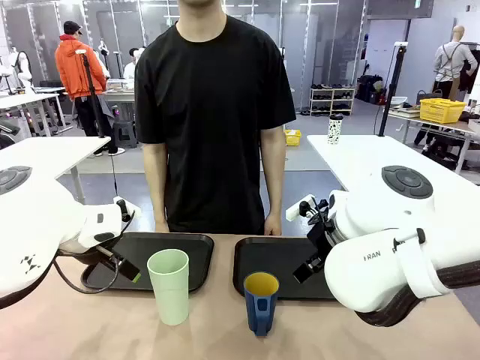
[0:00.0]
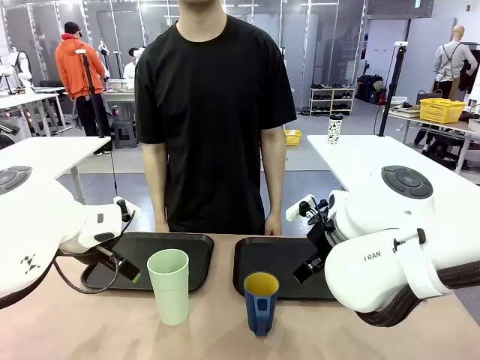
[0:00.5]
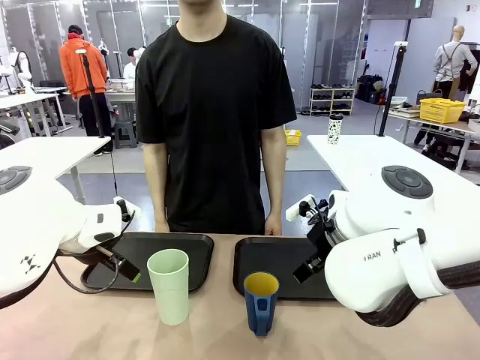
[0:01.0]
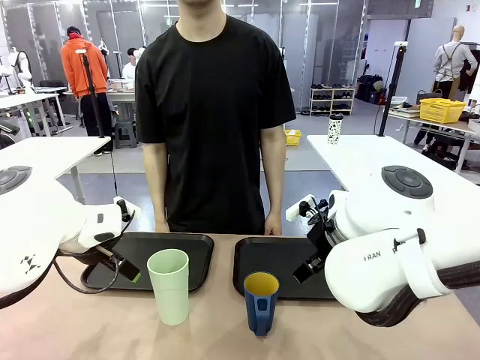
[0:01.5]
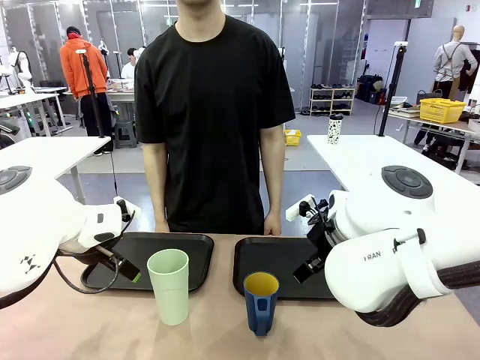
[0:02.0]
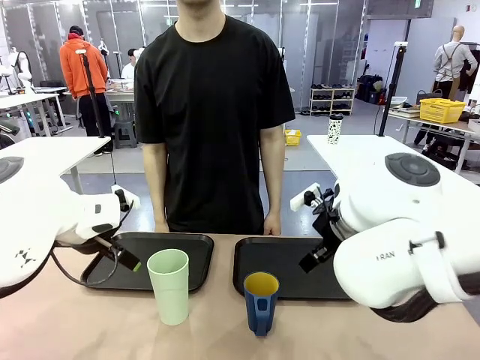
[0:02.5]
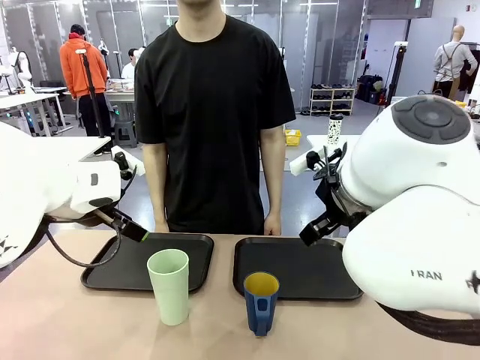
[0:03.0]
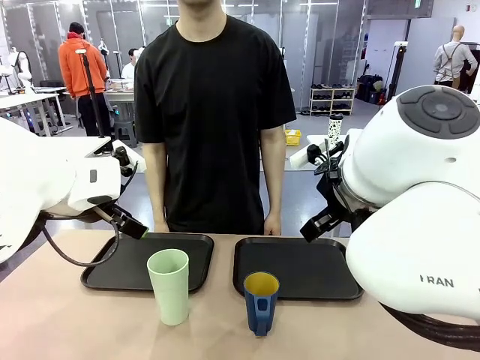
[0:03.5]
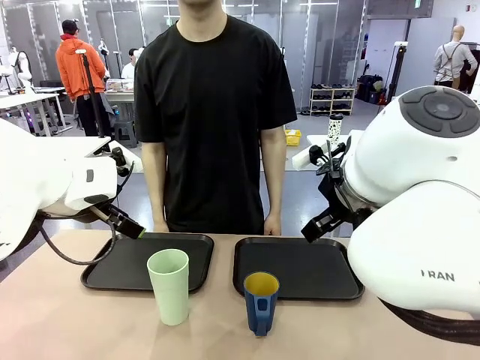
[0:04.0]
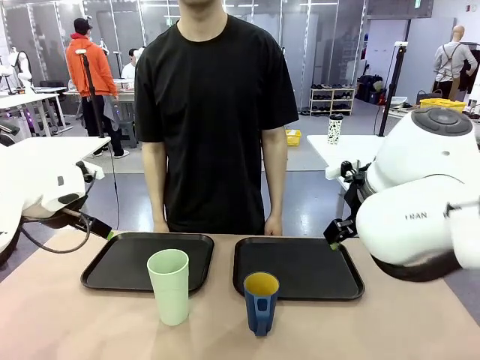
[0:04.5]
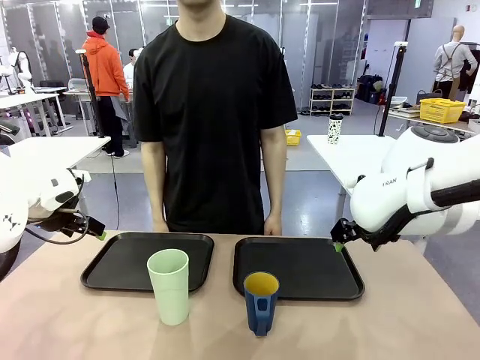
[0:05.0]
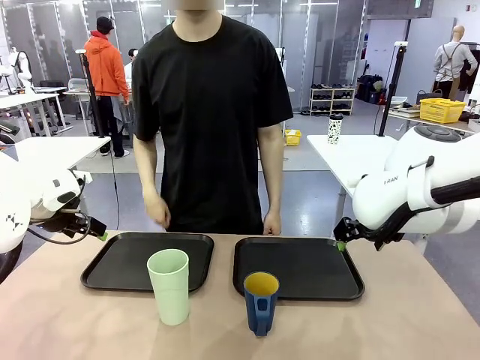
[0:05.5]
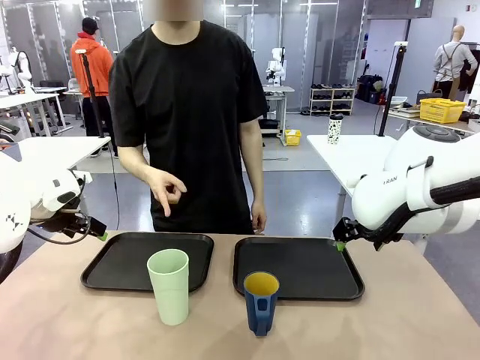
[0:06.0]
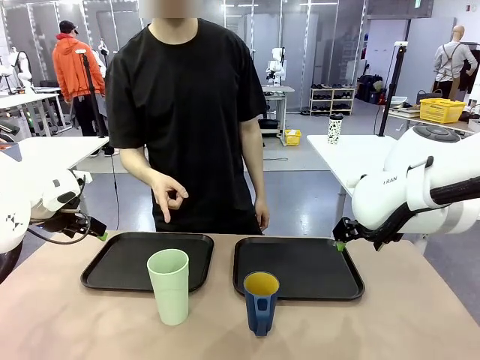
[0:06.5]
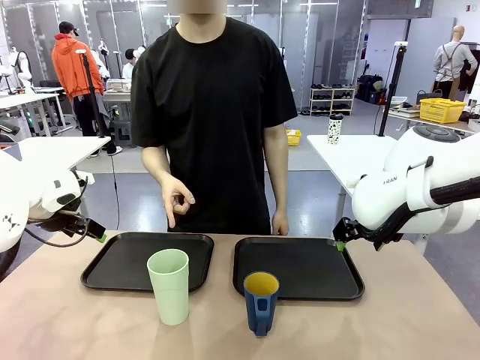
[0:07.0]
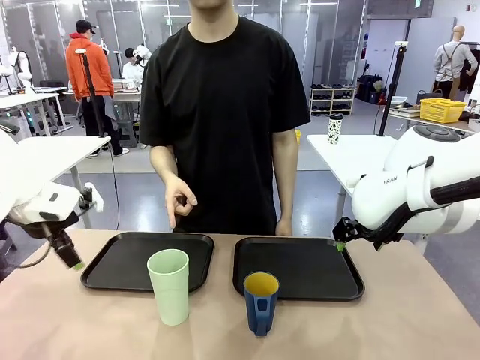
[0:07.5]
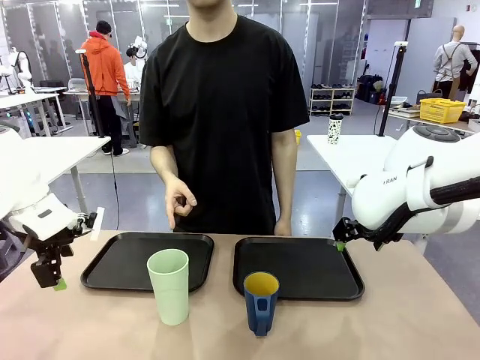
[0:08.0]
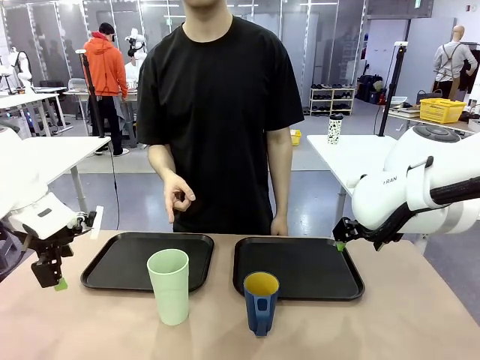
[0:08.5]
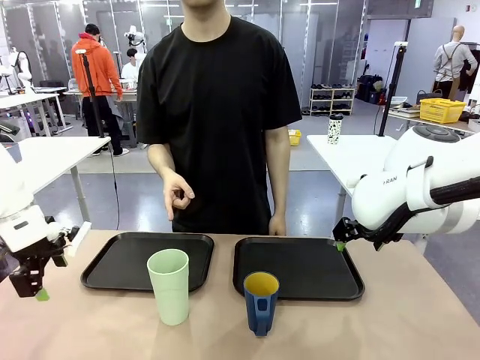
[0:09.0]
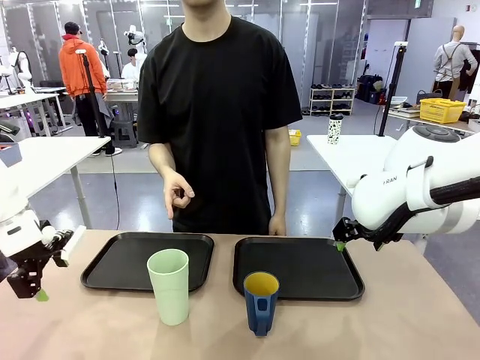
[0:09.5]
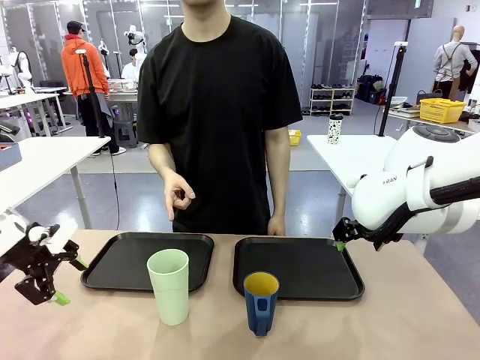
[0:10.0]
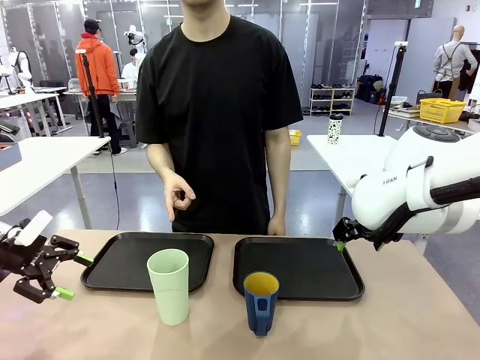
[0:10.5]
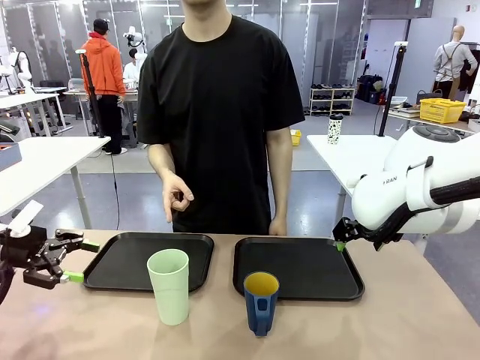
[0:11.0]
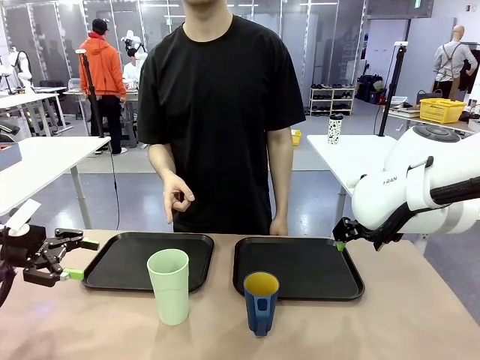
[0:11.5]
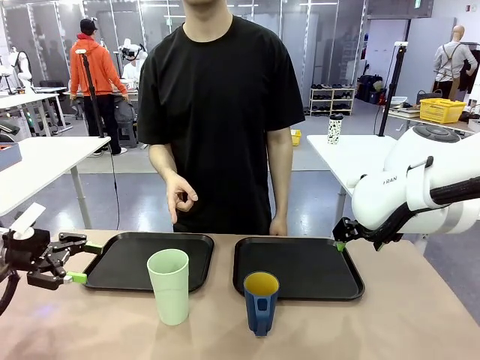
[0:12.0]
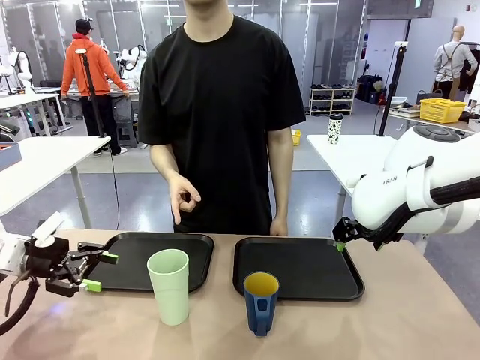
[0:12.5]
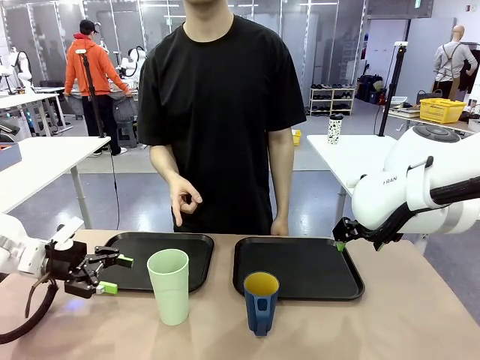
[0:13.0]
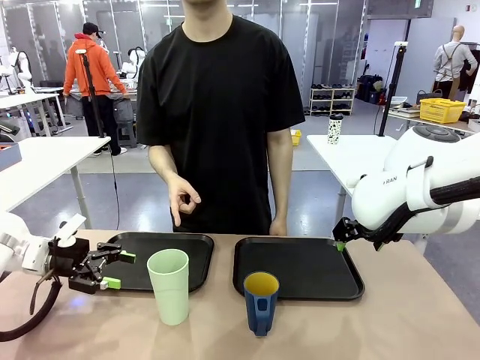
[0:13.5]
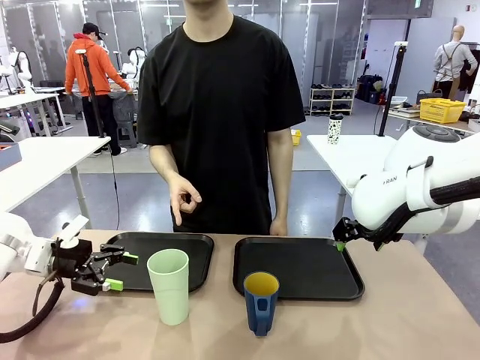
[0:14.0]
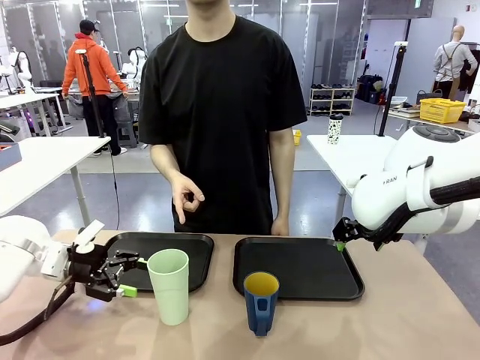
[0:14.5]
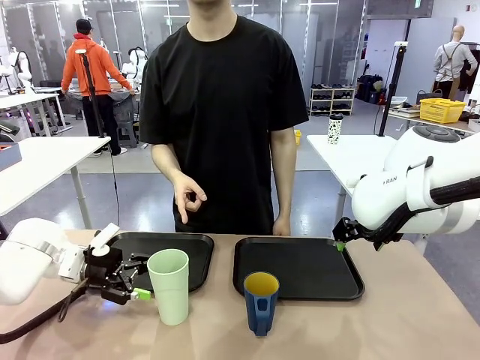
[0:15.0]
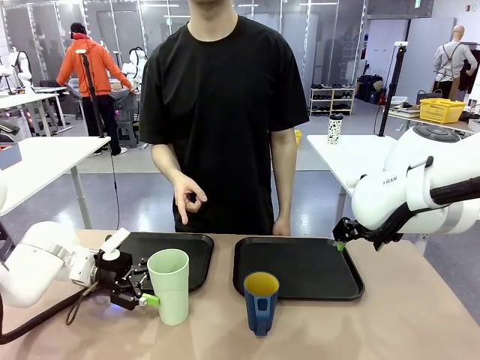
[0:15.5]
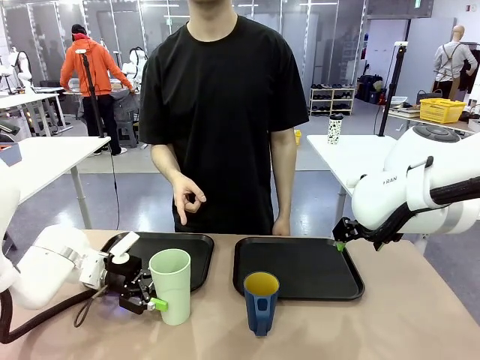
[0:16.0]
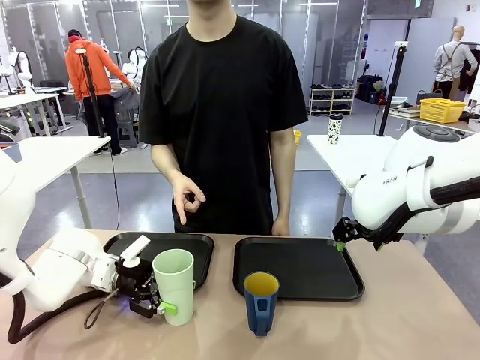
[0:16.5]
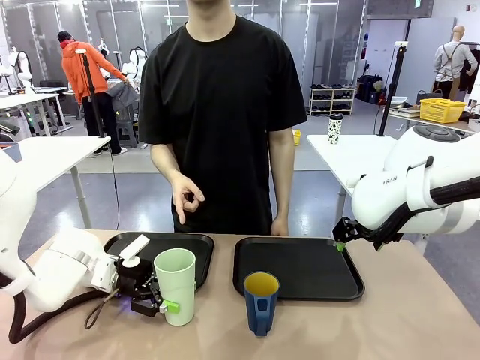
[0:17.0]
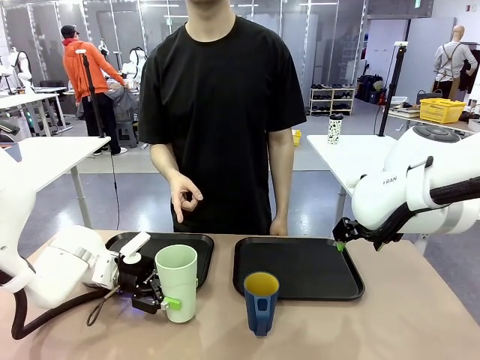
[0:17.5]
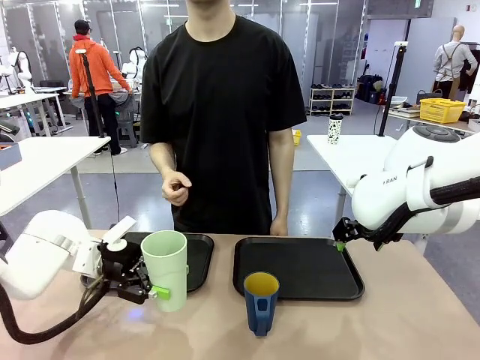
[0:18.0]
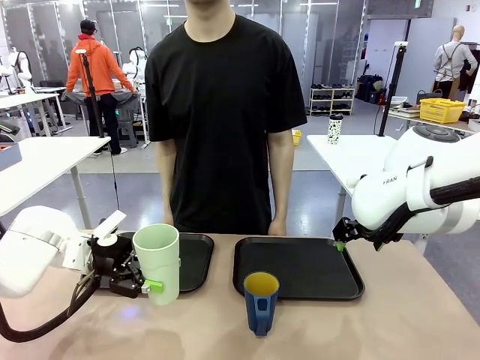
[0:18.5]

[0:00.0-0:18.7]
Task: Sort and store the cups by type.
Robot: Pick up the Reusable plastic cup.
Person: Points to the reusable cup. Point to one of the two trays.

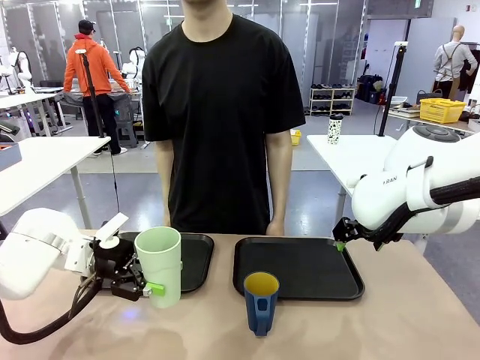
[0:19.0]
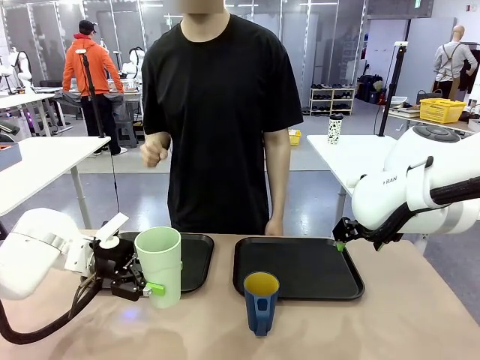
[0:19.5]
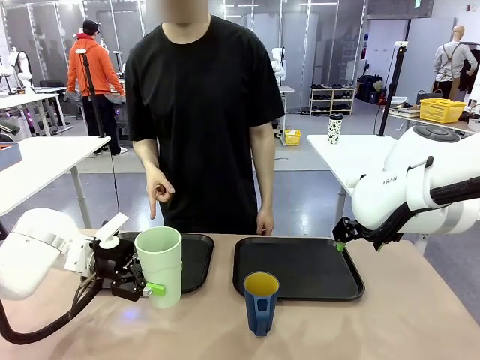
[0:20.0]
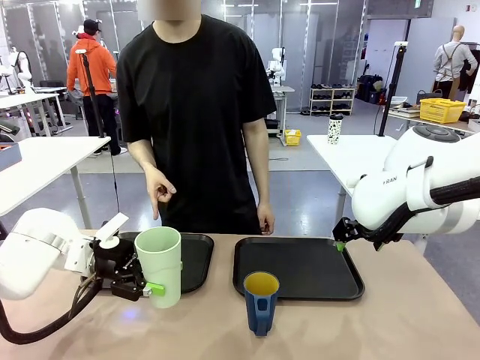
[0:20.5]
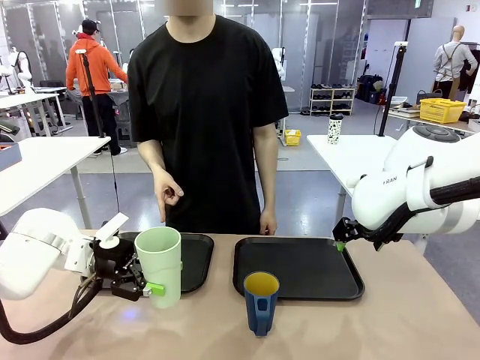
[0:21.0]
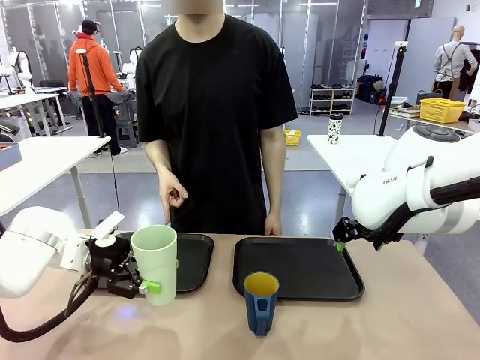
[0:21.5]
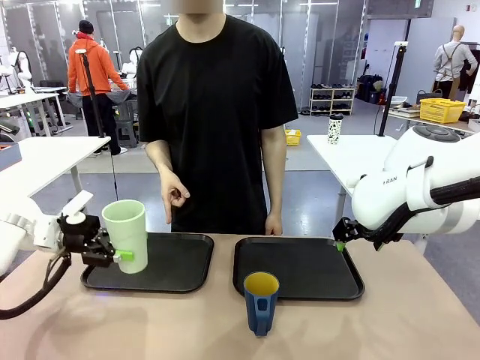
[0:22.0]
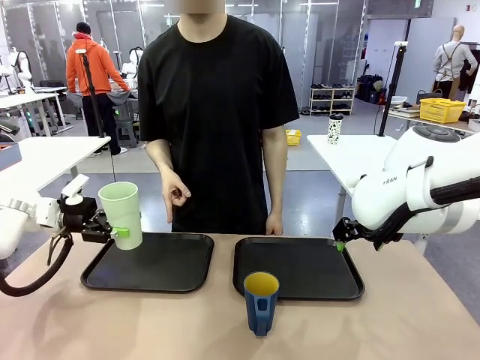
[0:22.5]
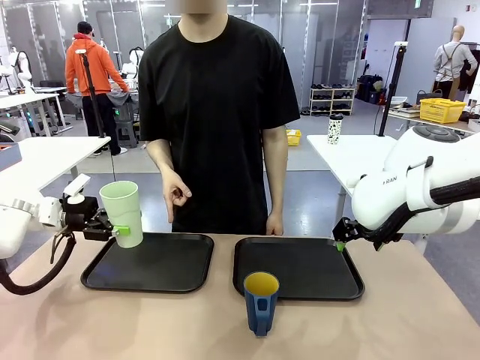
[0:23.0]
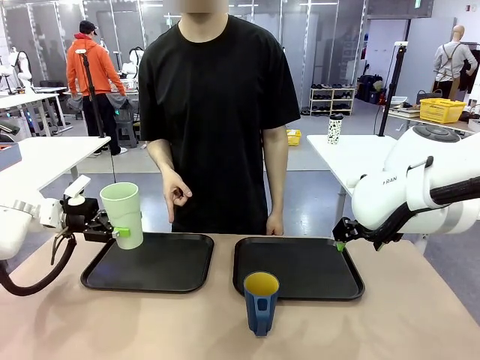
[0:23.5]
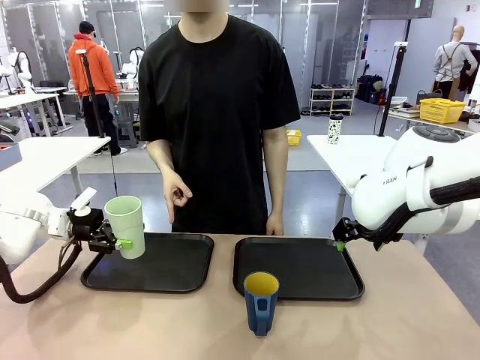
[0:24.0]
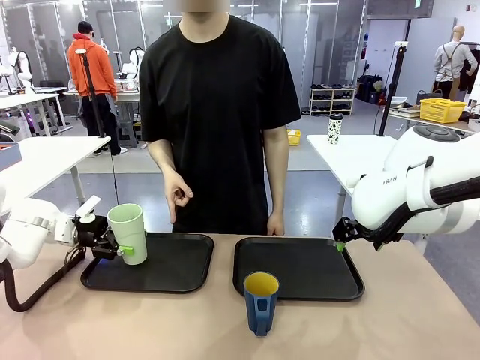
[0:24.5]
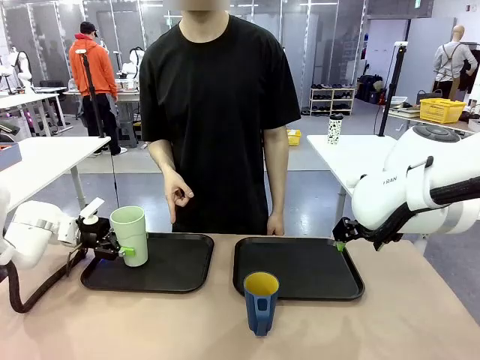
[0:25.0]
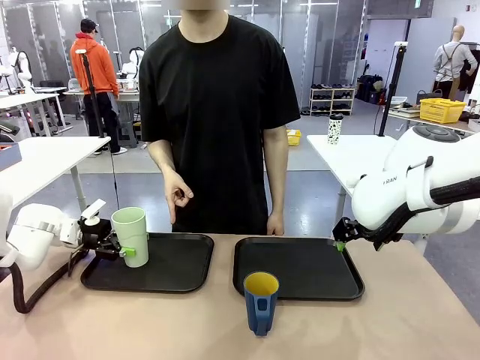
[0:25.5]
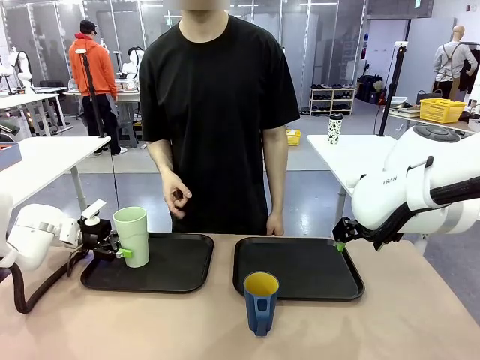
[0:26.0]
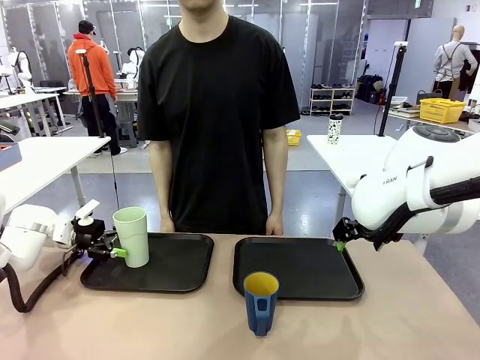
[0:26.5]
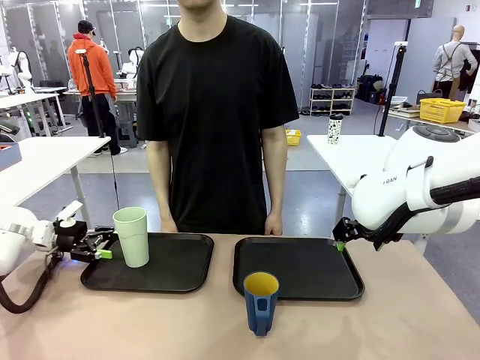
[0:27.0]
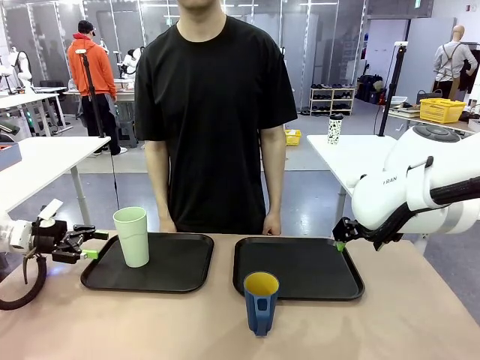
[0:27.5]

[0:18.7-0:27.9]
Robot: Place the picked Reusable plastic cup into the Flat Tray indicated by the person.
